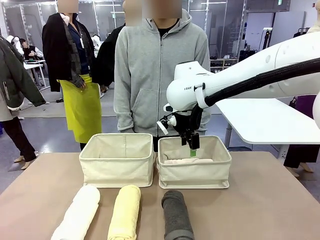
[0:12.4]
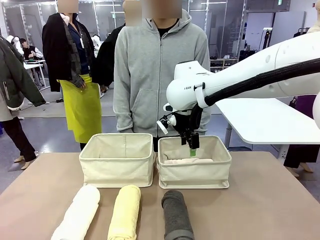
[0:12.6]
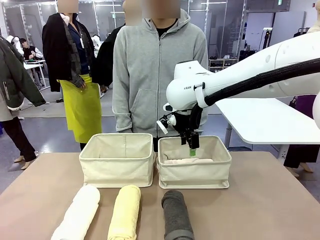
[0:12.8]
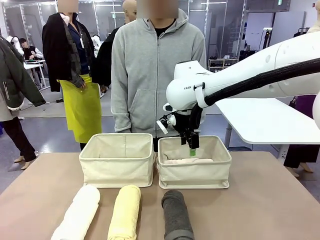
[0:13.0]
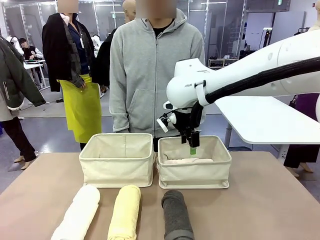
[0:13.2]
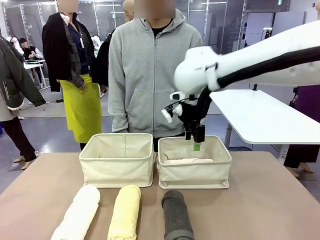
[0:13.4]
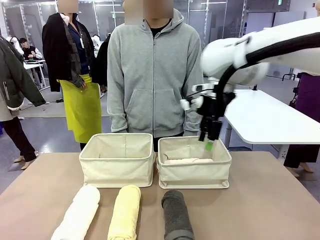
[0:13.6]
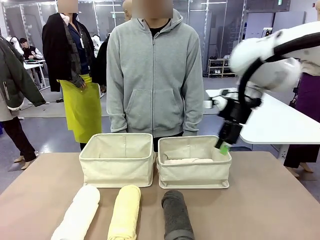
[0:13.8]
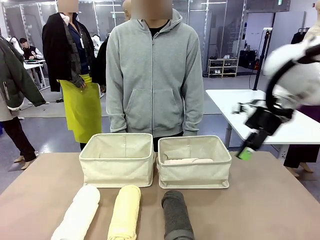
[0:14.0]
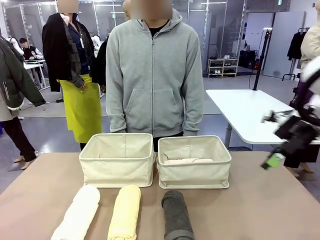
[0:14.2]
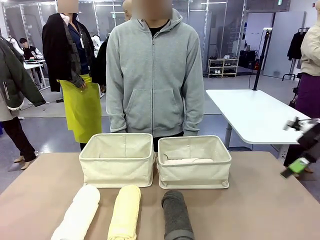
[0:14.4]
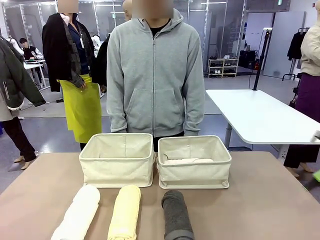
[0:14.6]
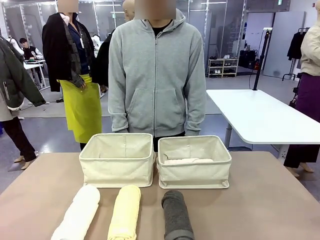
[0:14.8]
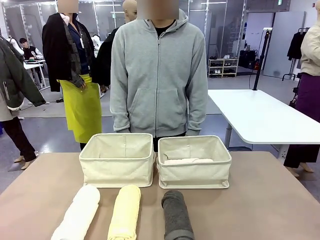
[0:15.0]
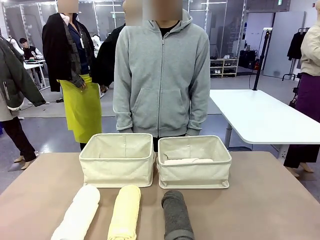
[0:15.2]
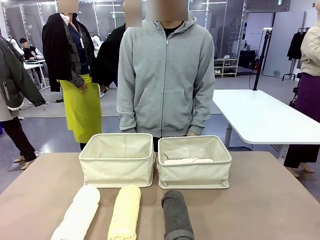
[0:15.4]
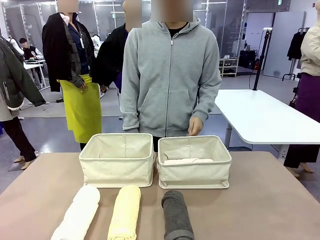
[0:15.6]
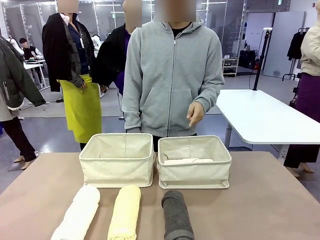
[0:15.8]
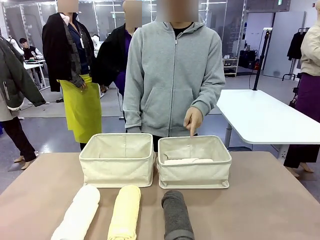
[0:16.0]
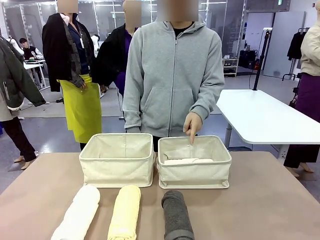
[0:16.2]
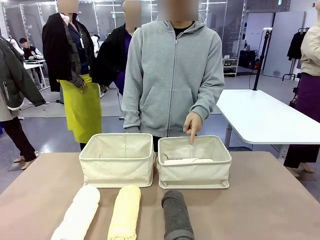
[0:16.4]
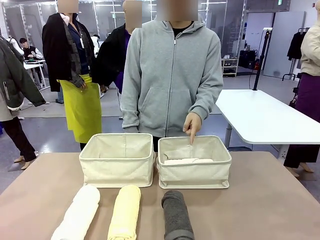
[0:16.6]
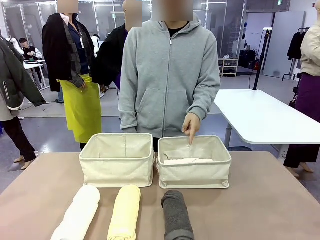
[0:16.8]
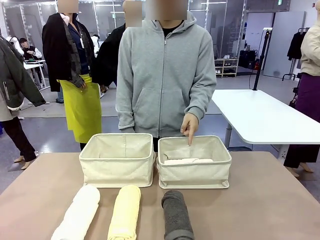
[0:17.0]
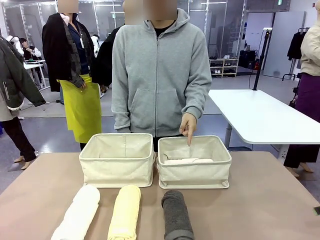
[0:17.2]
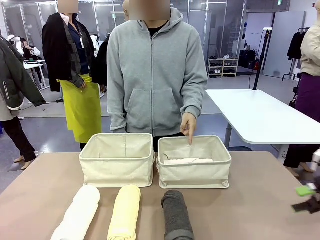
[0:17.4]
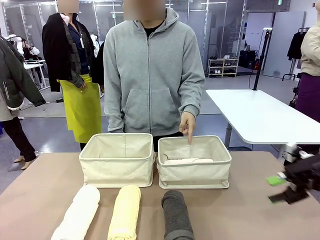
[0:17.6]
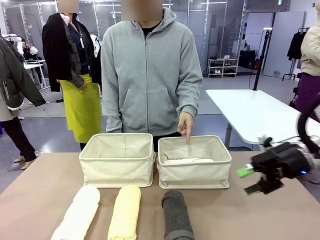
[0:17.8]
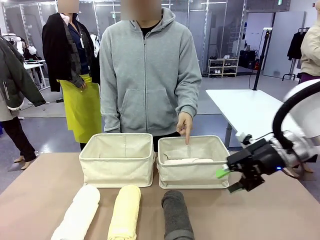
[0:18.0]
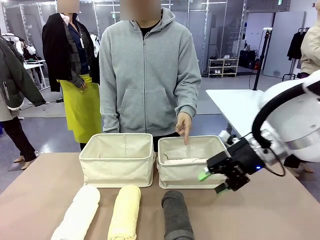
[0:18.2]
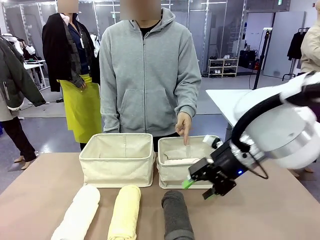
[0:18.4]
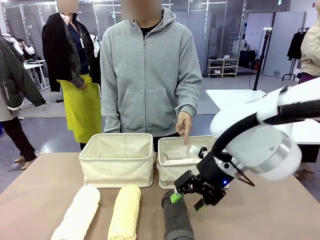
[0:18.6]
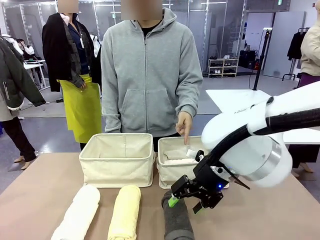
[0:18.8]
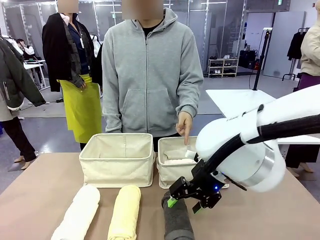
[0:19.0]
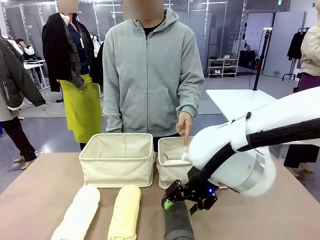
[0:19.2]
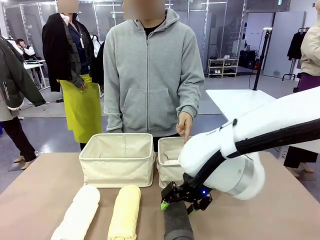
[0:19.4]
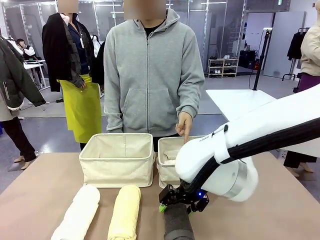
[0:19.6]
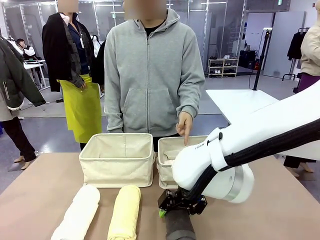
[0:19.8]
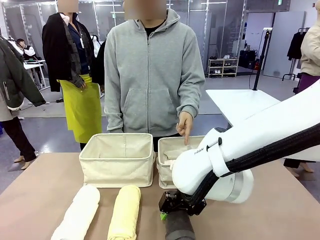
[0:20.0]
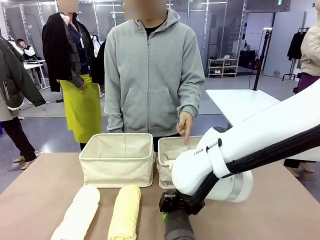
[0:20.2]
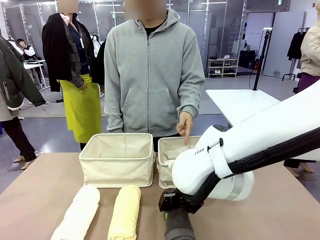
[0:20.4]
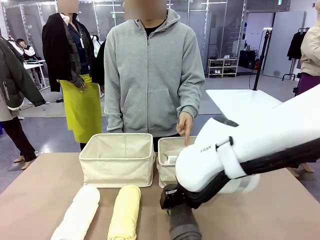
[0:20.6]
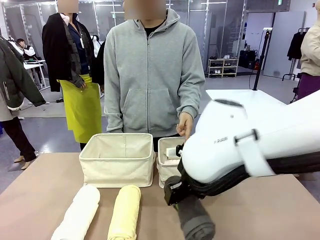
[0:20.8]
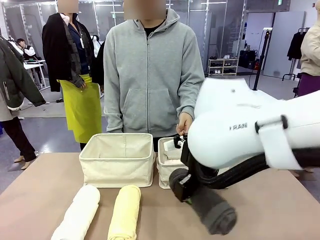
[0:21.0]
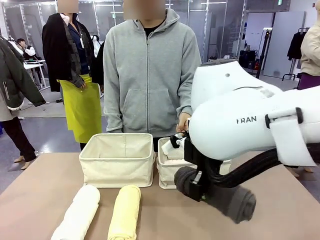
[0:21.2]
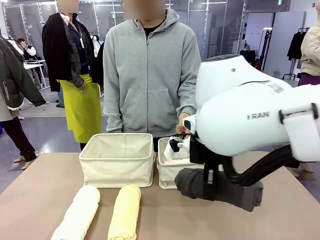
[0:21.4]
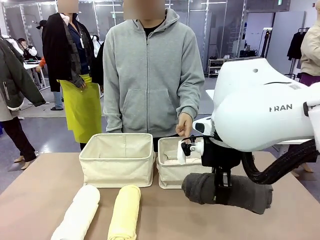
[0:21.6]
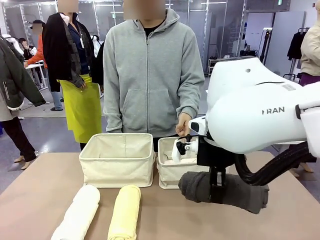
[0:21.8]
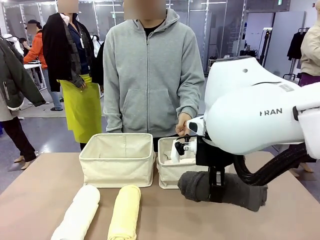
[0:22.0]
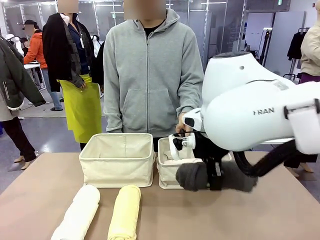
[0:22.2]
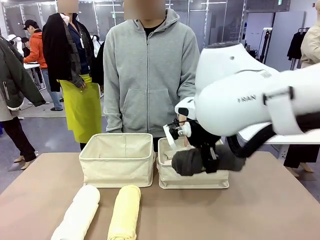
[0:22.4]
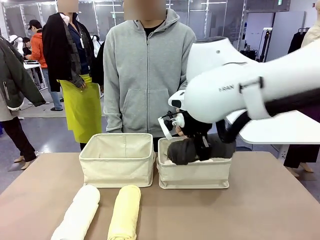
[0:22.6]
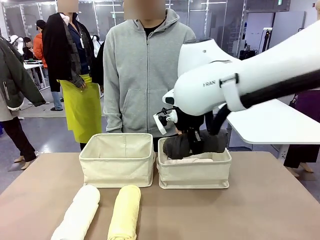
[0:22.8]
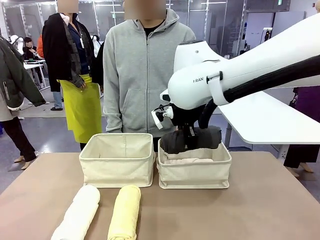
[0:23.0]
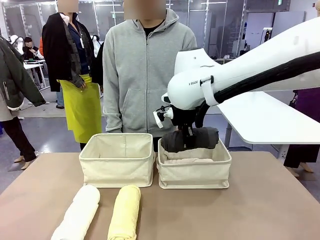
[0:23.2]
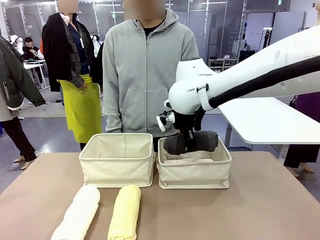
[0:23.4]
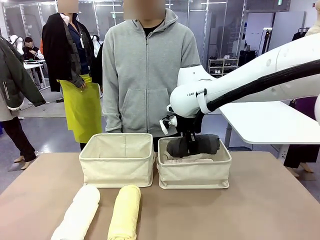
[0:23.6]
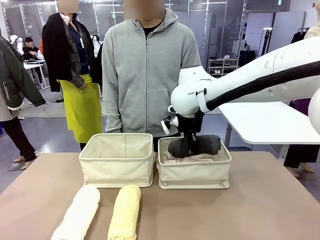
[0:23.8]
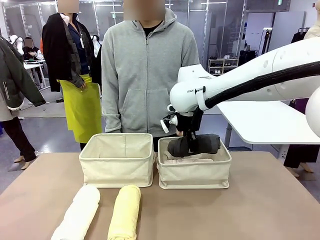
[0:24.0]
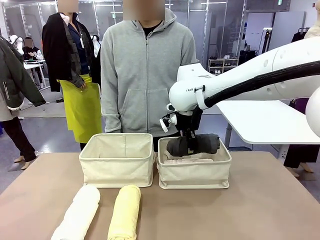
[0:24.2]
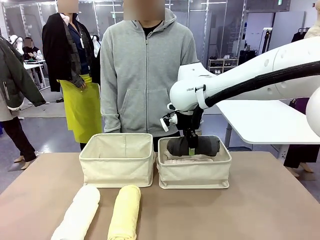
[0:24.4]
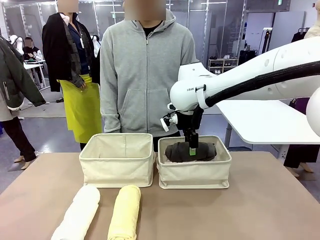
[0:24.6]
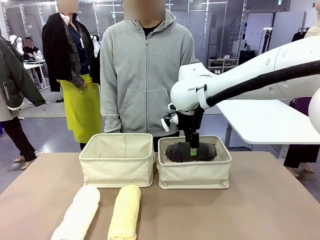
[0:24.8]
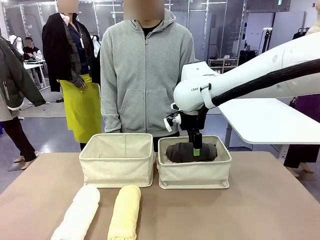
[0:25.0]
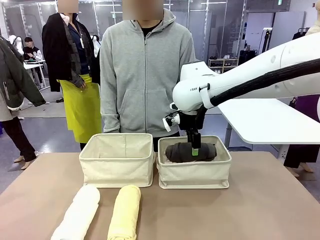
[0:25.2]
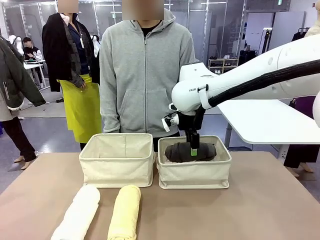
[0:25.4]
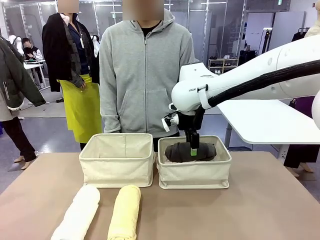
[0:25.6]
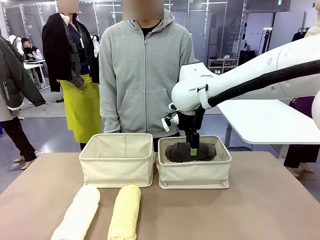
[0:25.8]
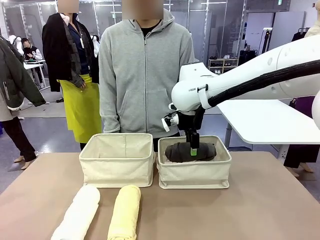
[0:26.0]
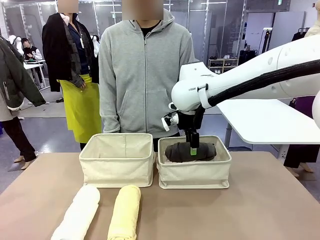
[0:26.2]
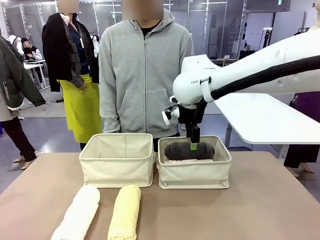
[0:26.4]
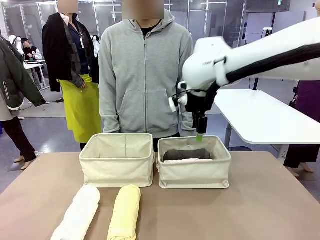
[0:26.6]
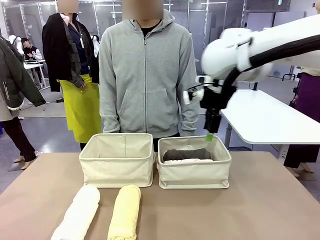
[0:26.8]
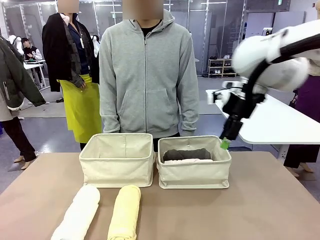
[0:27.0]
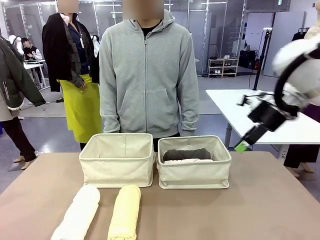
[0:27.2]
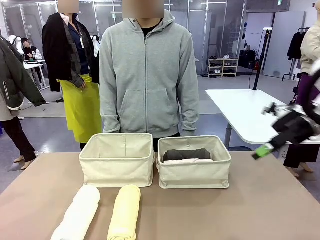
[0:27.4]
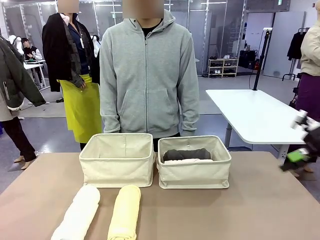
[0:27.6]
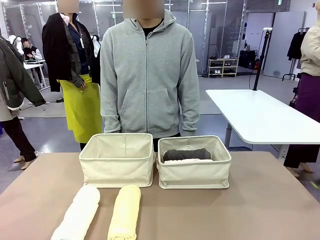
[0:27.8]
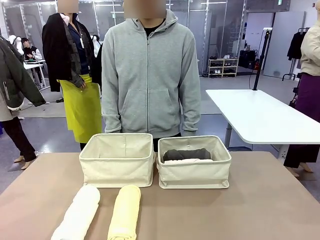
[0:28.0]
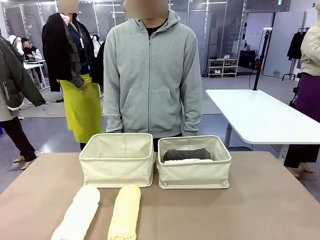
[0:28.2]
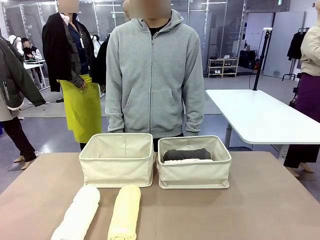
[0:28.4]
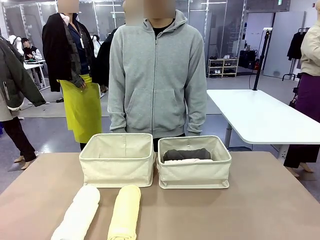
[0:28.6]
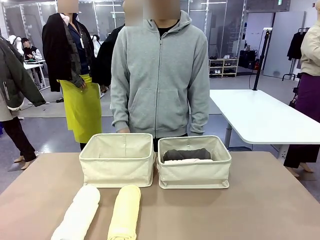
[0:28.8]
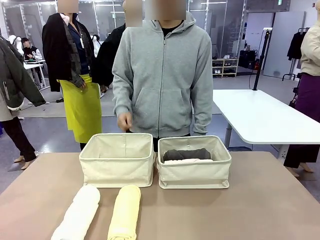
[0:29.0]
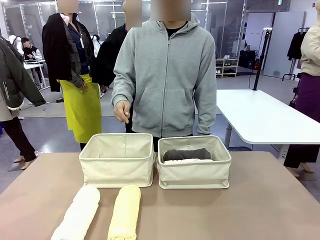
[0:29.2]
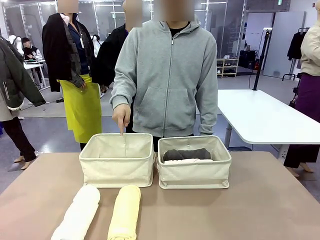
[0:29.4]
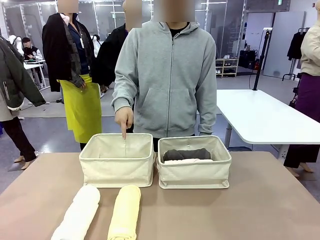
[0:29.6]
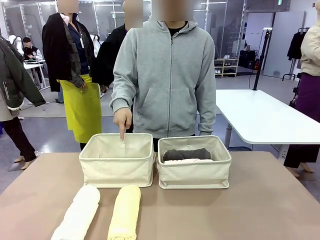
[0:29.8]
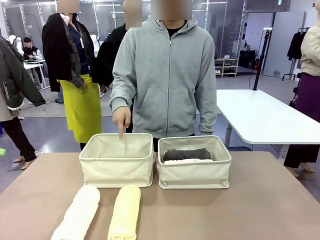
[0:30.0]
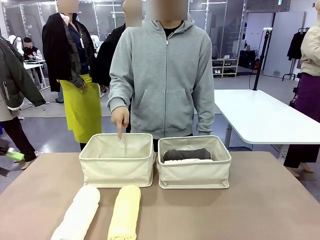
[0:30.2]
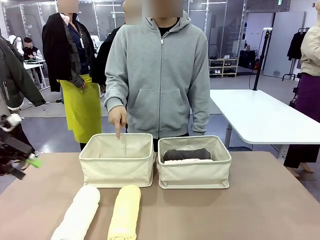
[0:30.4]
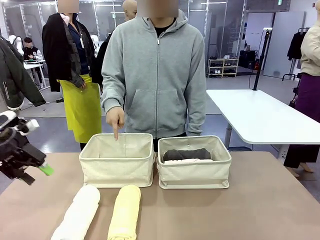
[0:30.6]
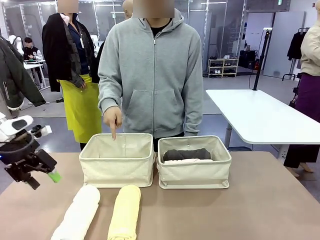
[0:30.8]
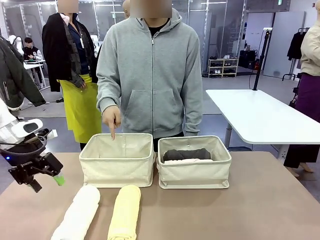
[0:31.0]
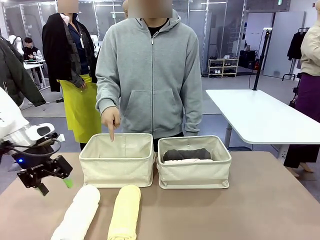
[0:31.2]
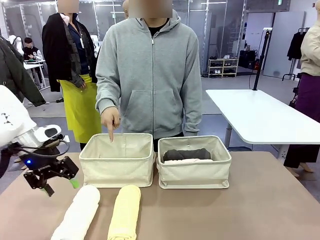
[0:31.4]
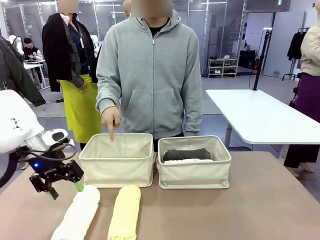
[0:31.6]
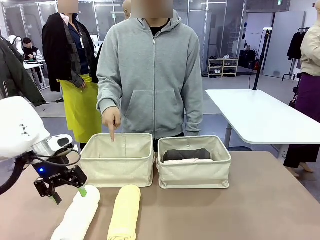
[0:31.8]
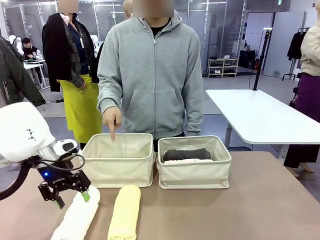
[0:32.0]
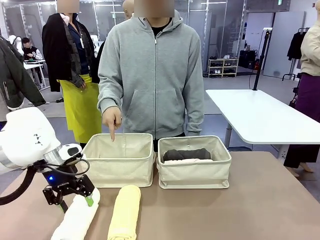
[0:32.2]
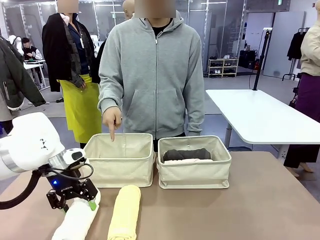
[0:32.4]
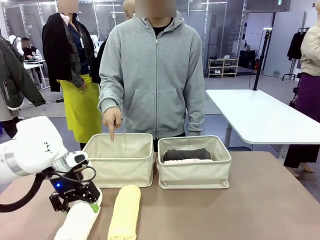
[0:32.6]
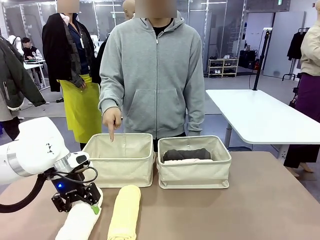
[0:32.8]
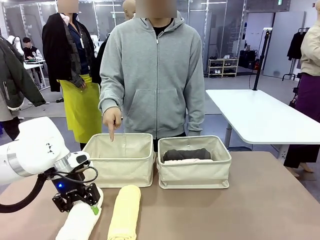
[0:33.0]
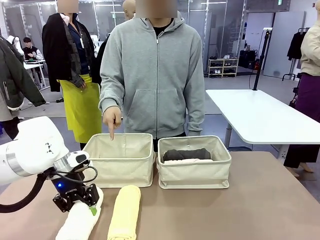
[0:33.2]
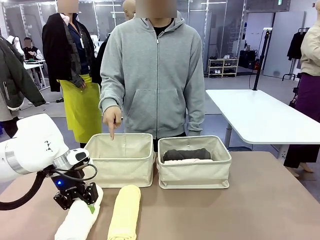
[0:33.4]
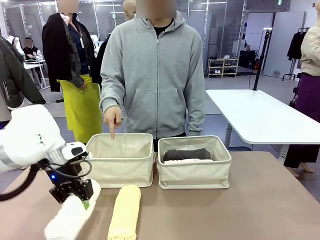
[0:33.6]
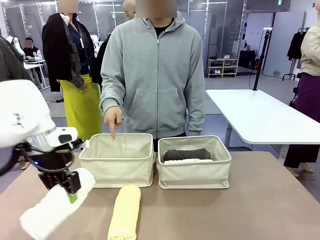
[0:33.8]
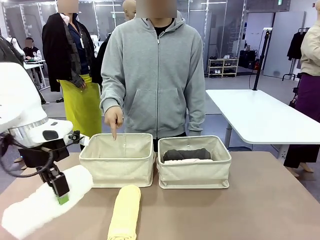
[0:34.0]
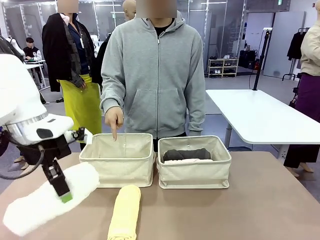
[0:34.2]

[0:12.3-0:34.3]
Task: Divide the towels into two baskets.
Robot: Pick up one hotel-folded towel from the bottom of the table and place it in the Fabric basket indicated by the person.
